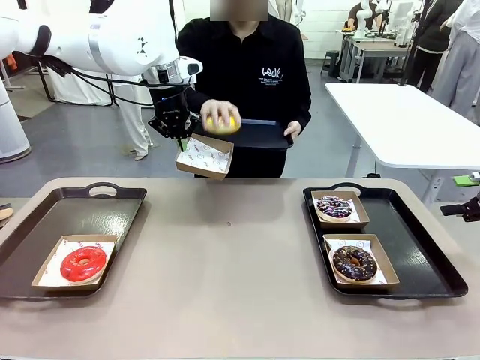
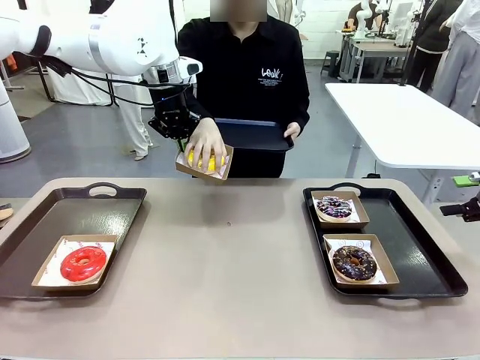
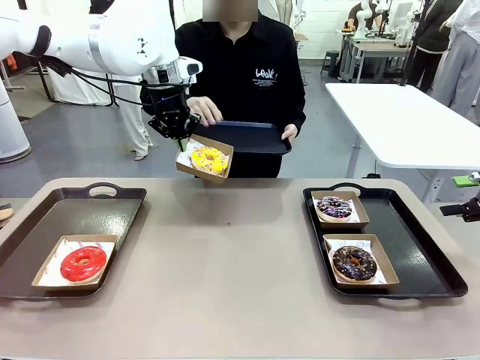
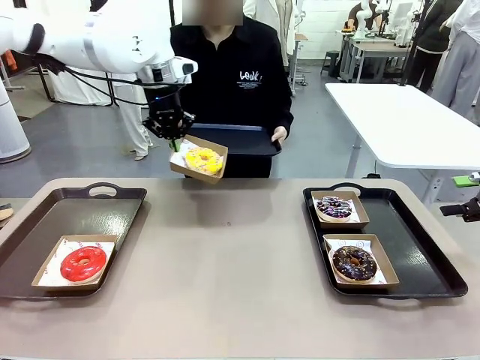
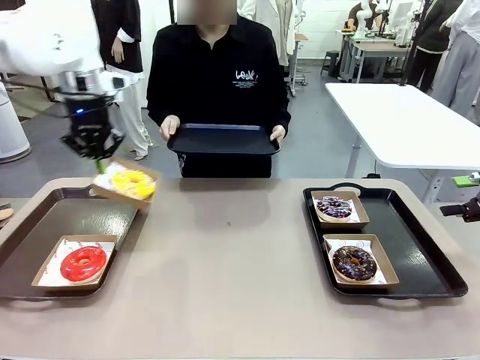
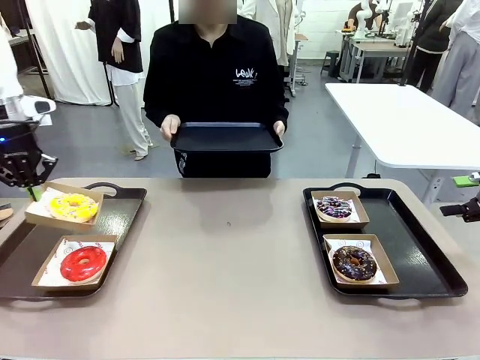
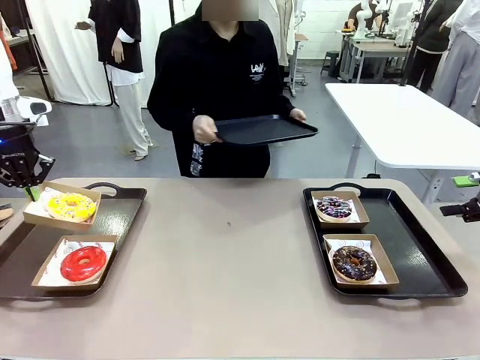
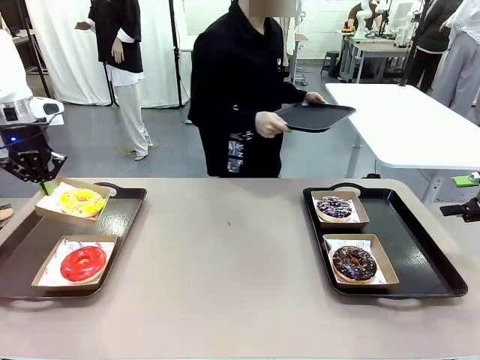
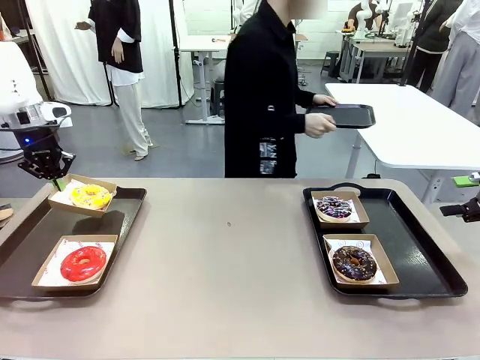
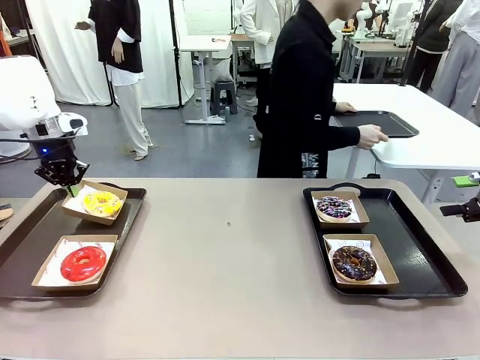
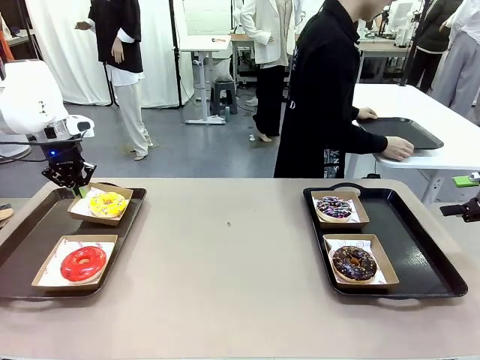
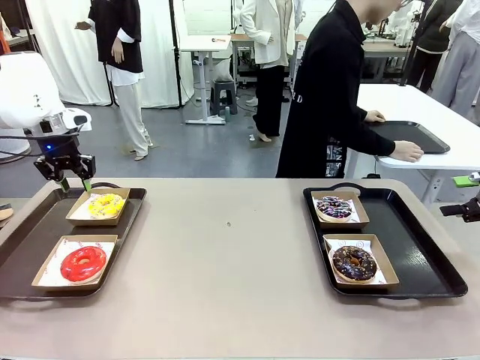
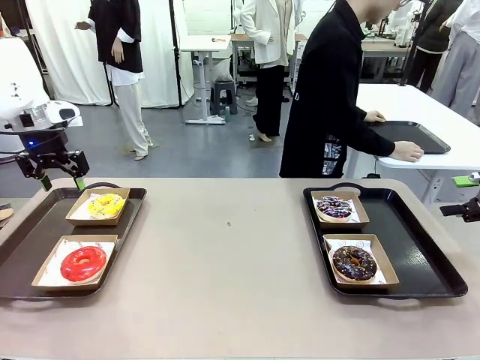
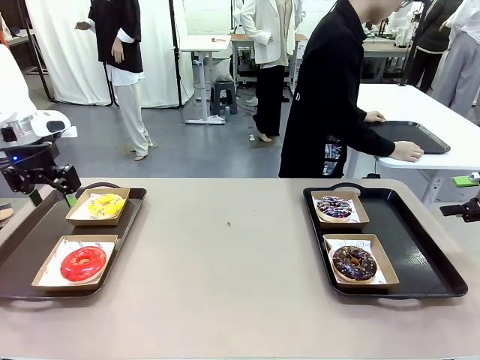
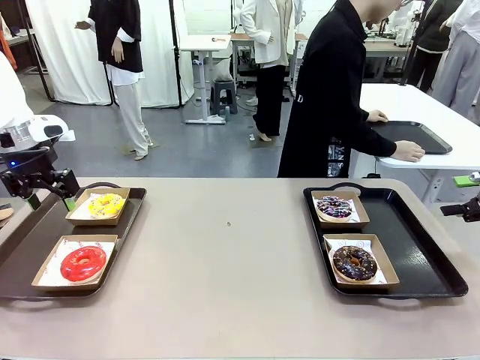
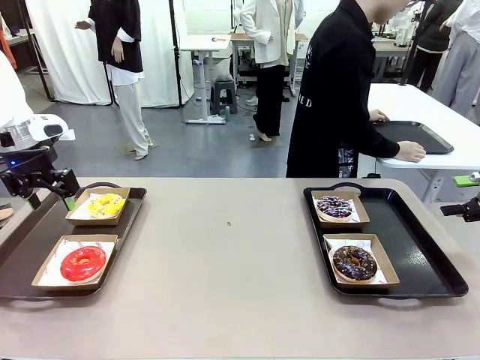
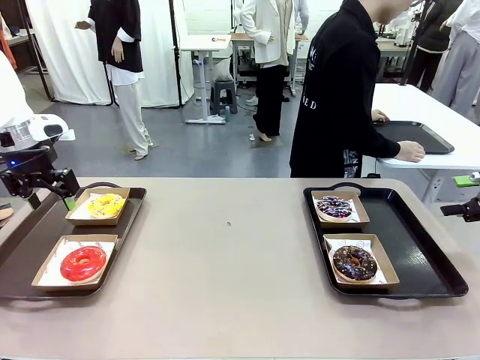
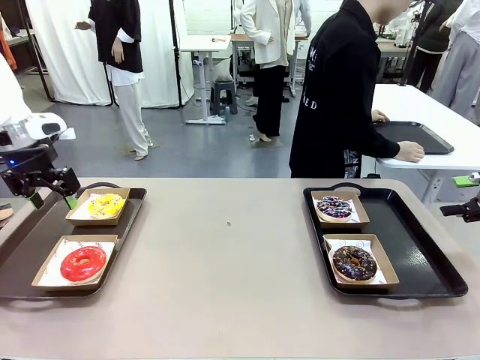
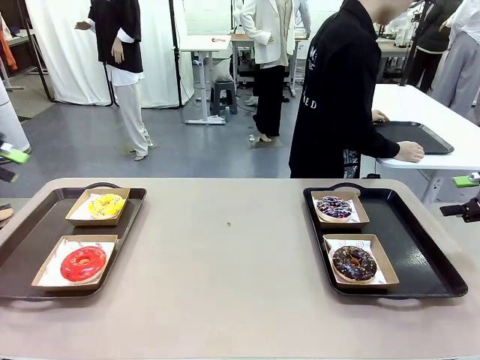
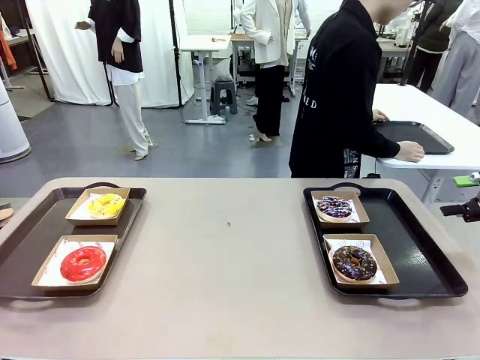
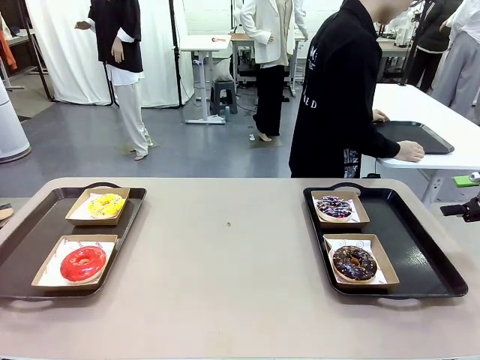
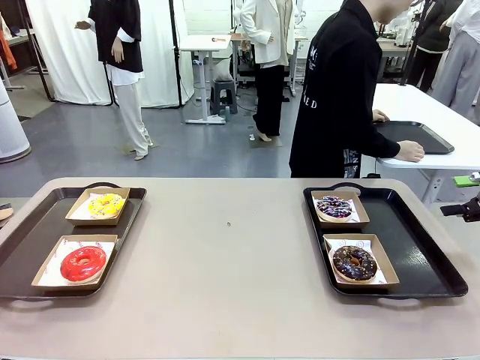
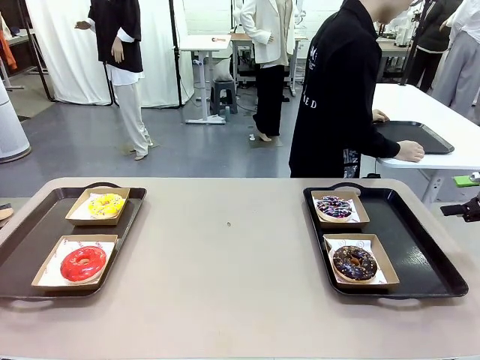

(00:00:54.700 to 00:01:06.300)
Task: Individually package the donuts and arrange them on the tray.
Robot: Place the picked Paper togo box on the Handle tray.
Person: Place the tray down in the middle of the human table.

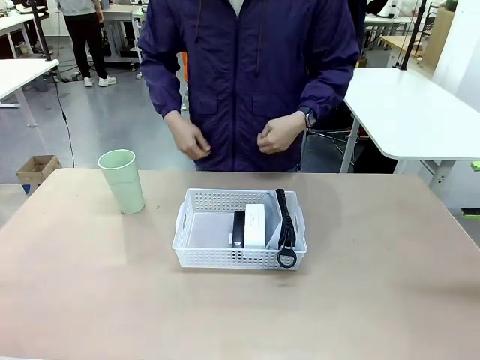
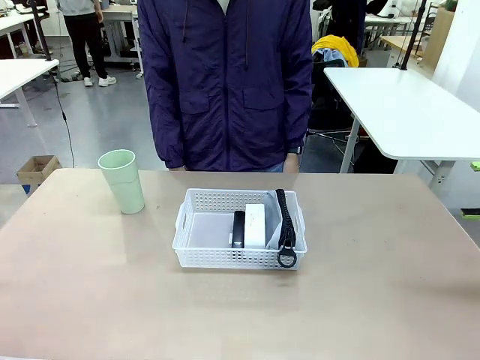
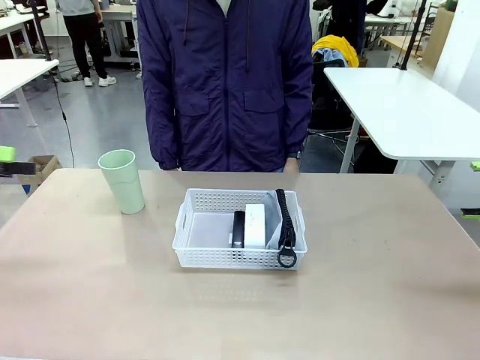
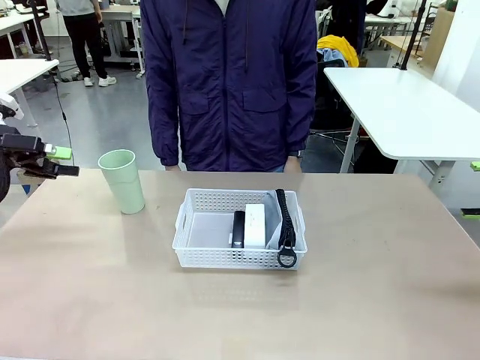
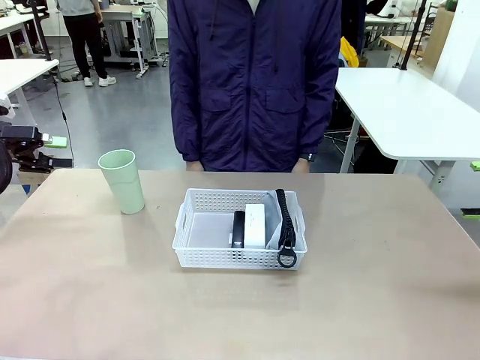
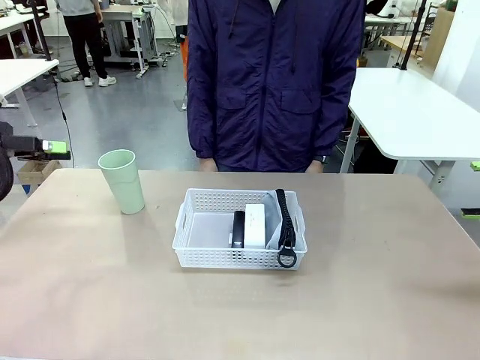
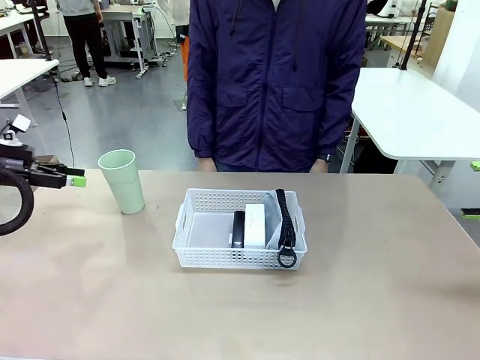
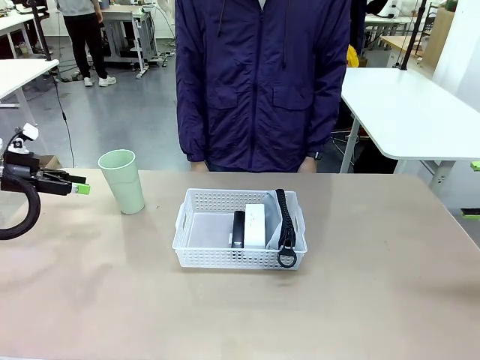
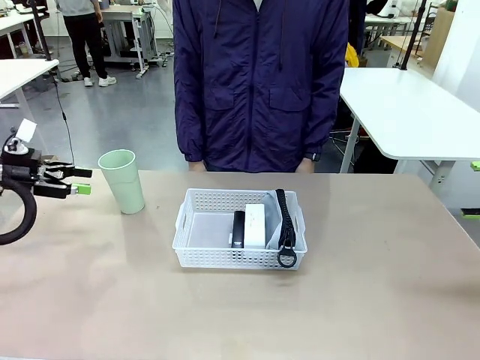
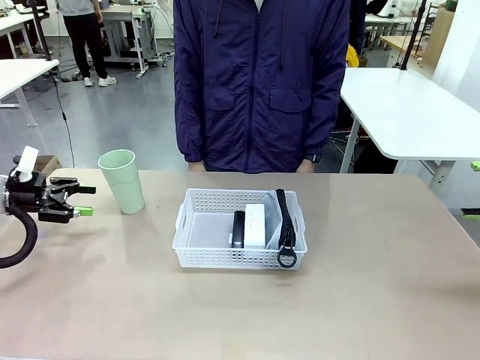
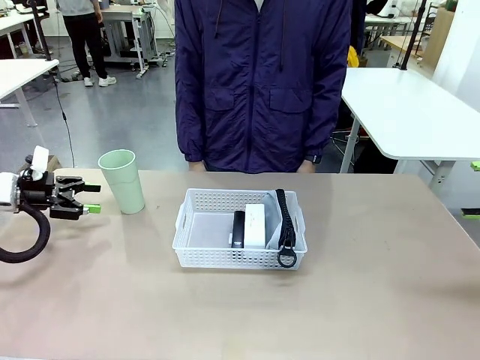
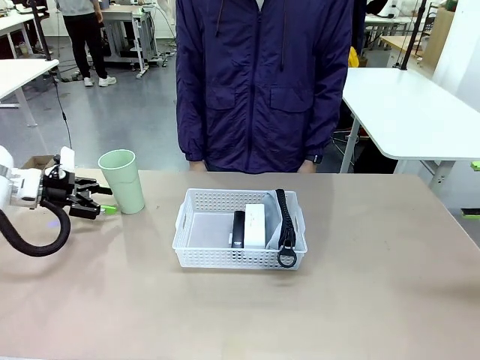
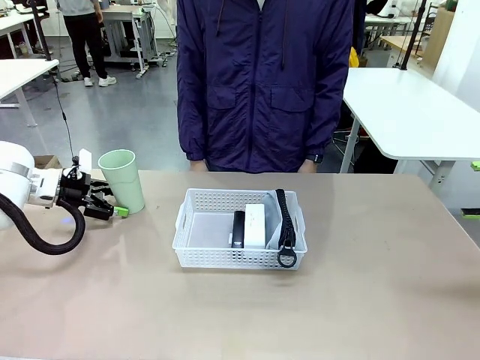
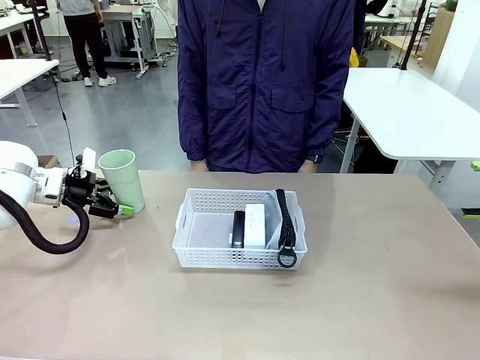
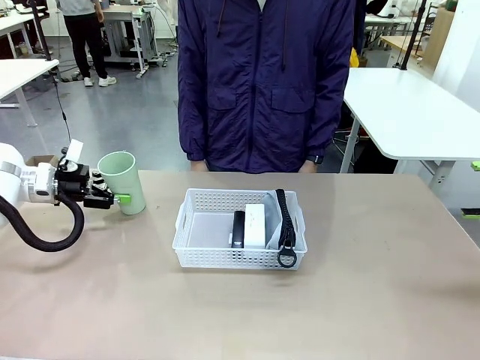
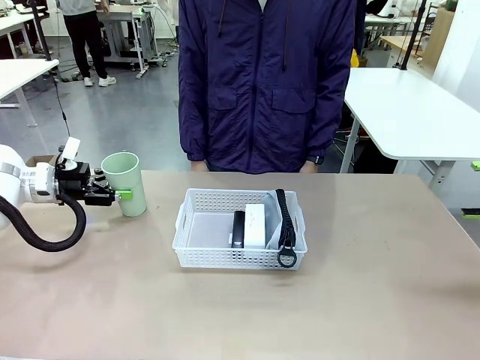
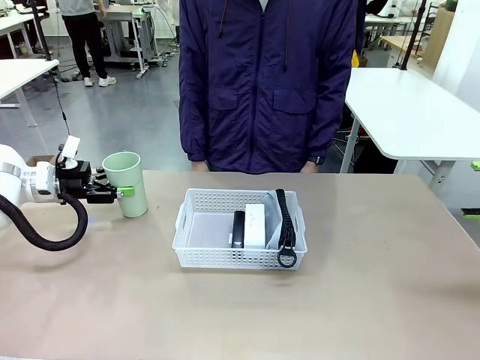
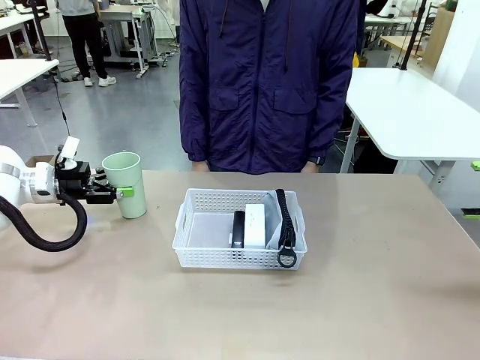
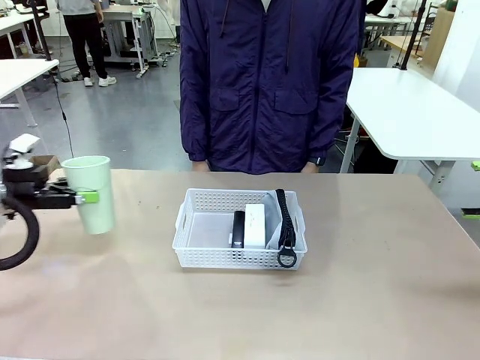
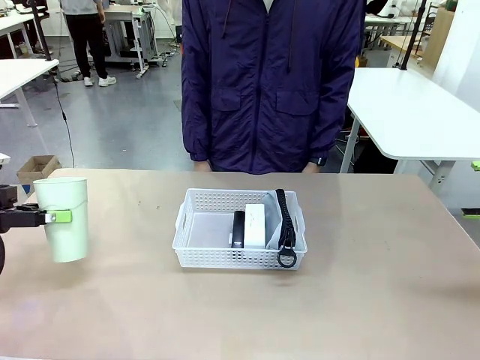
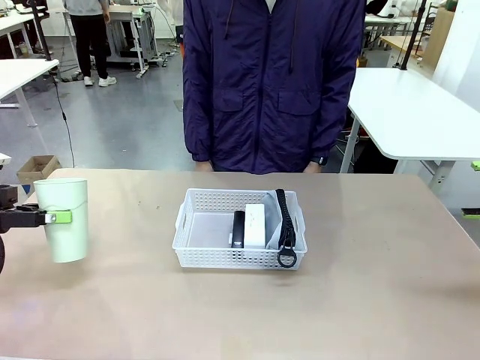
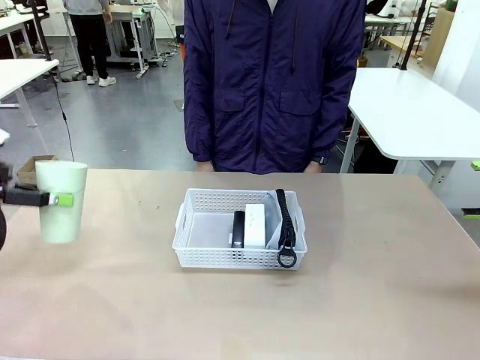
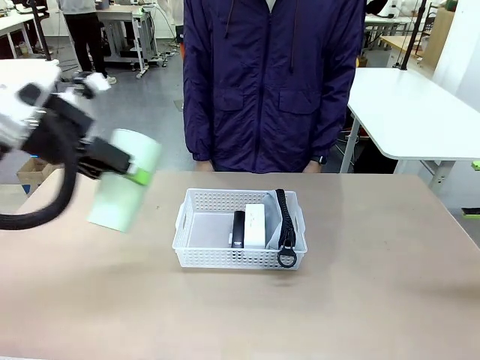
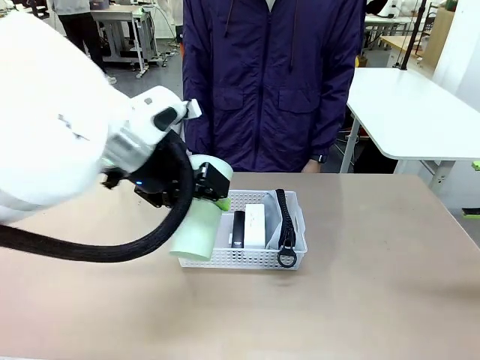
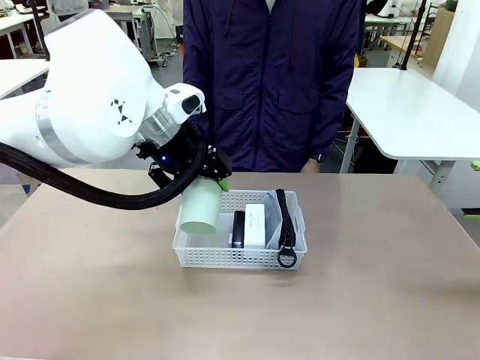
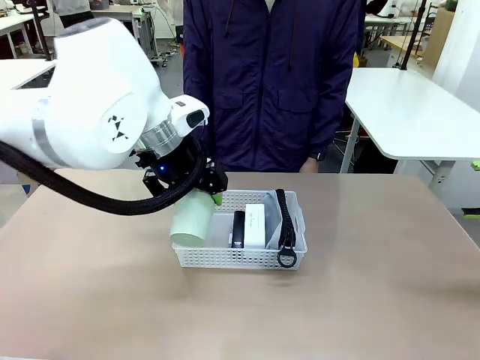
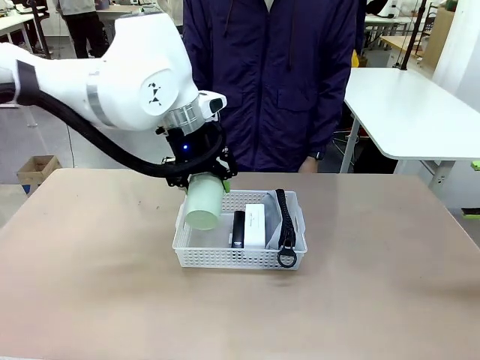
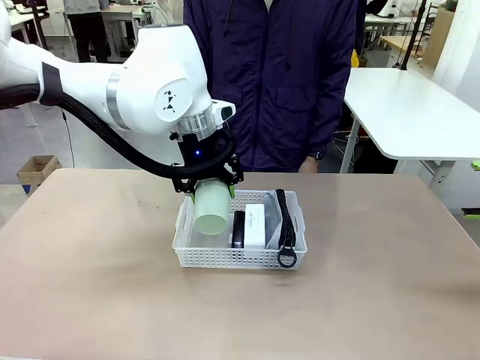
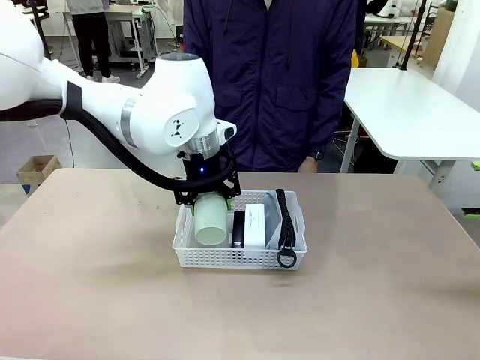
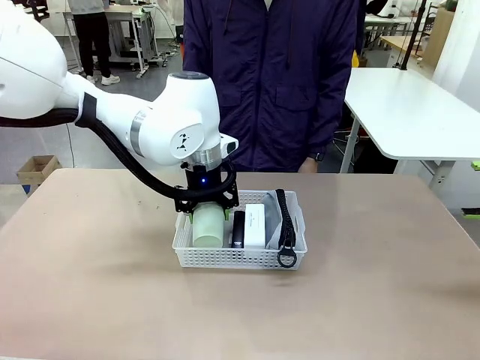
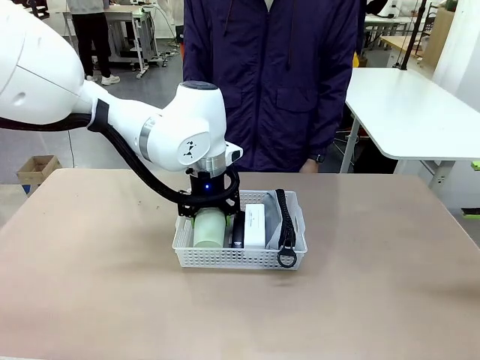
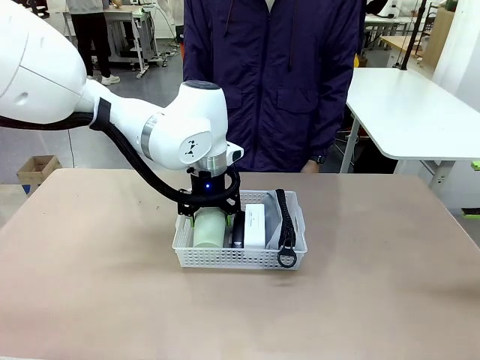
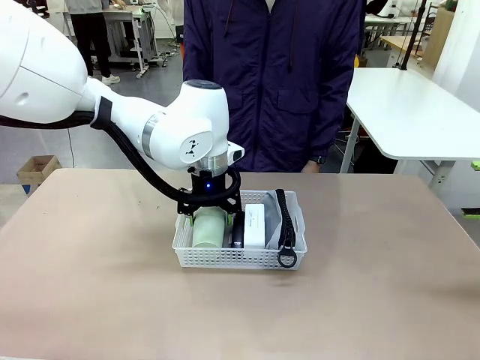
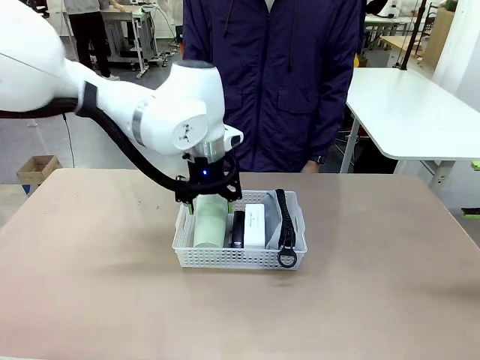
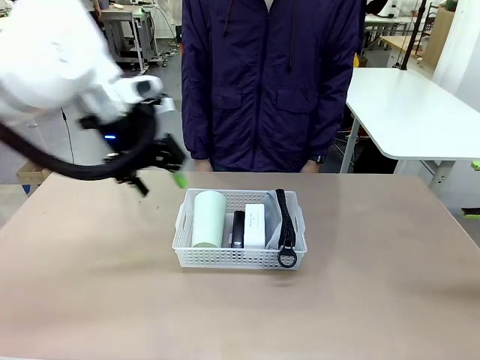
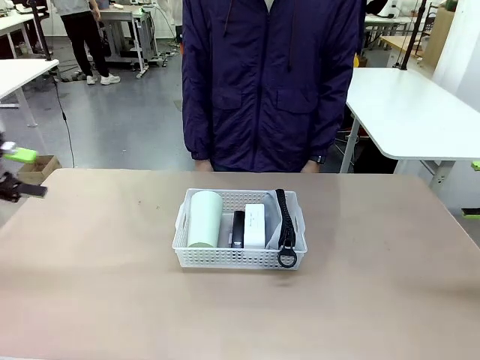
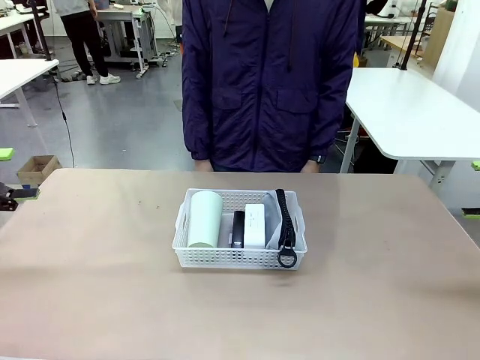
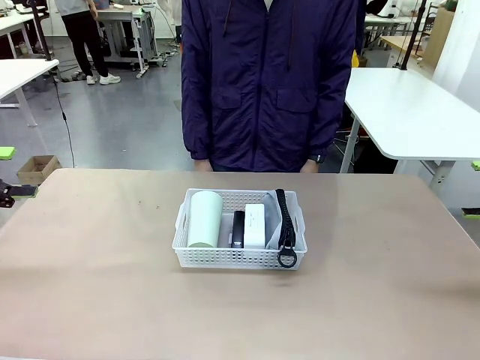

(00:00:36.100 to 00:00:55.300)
Task: Efficiently arrange items inside the basket to fit them all.
Robot: Pick up the Reusable plastic cup and place it inside the Organizing basket.
Person: Repositions the stapler.
